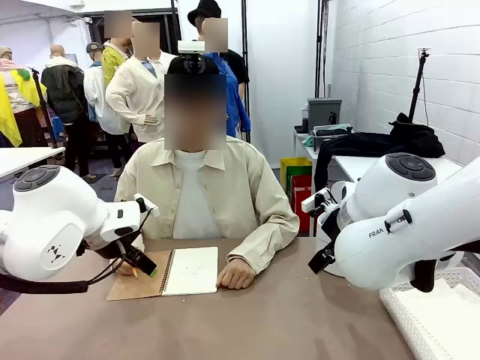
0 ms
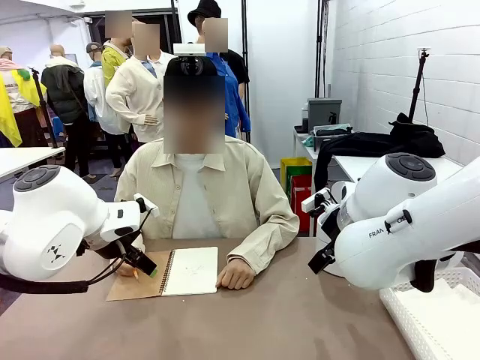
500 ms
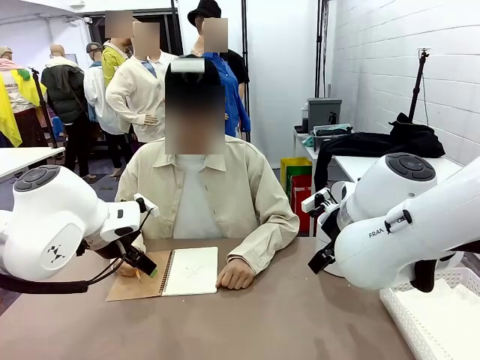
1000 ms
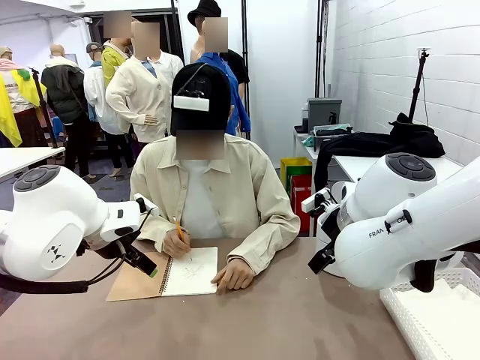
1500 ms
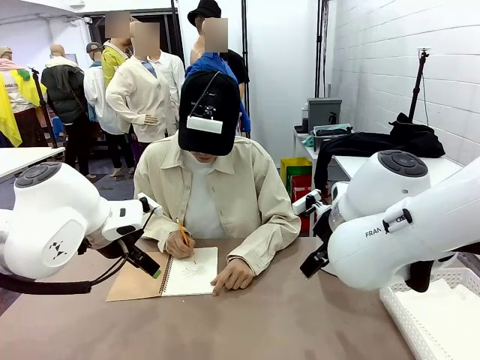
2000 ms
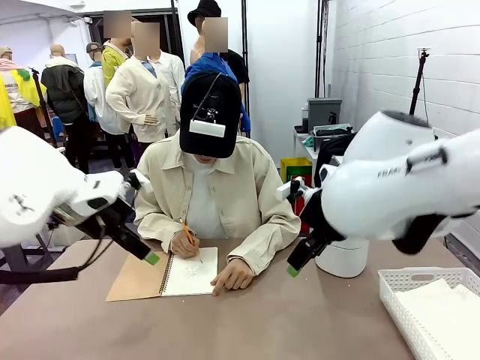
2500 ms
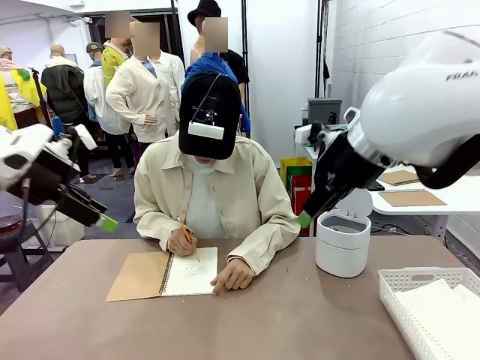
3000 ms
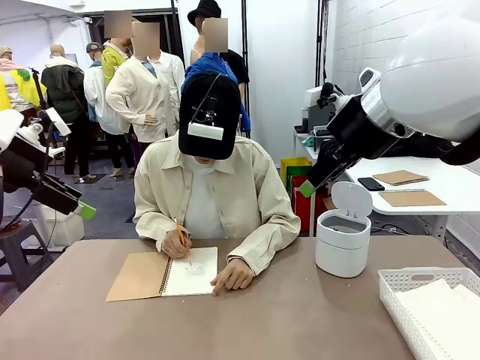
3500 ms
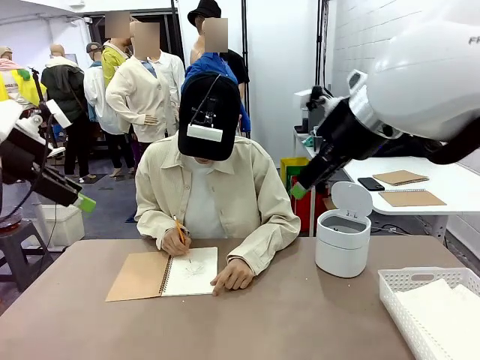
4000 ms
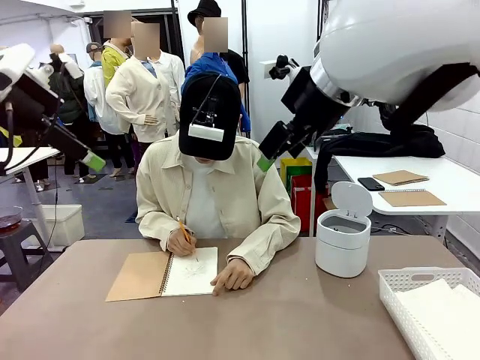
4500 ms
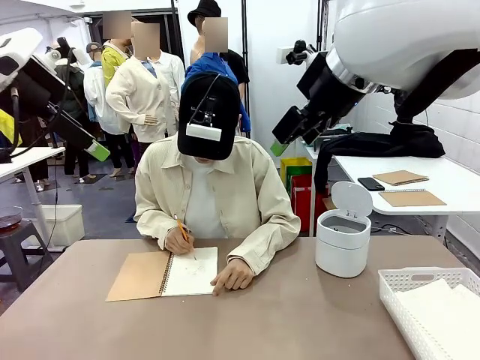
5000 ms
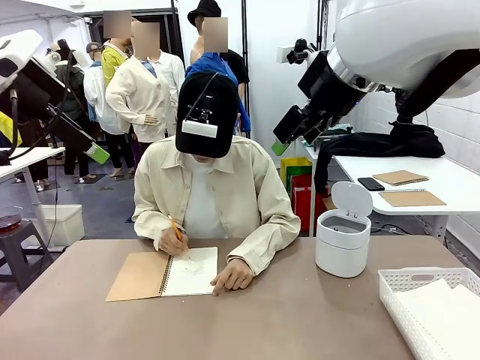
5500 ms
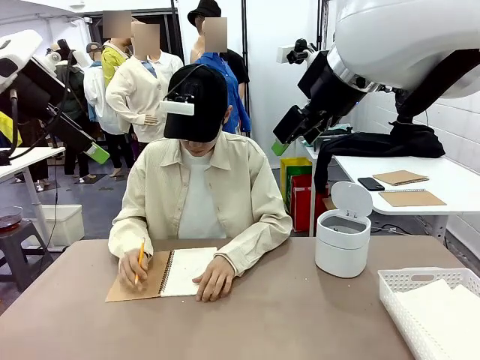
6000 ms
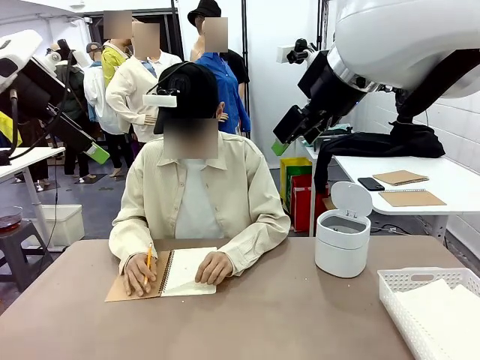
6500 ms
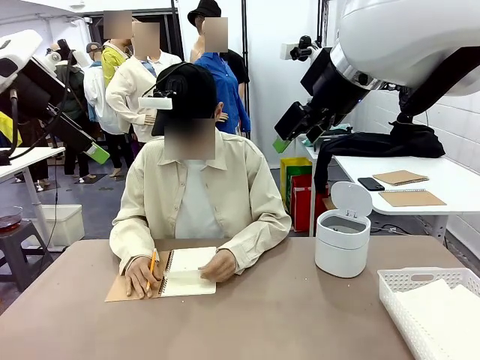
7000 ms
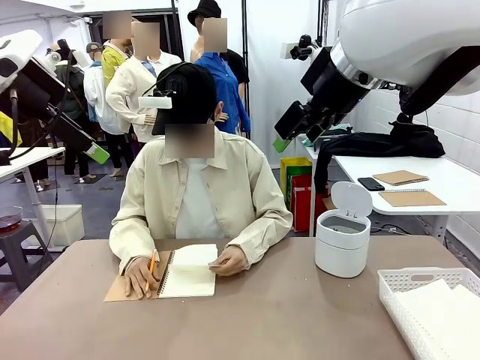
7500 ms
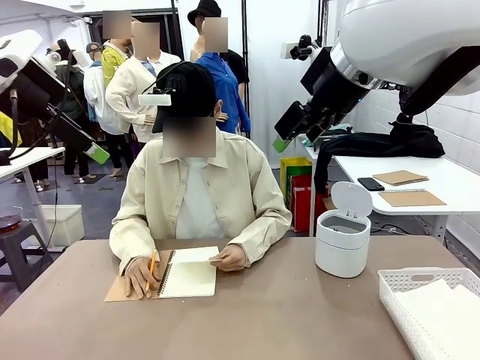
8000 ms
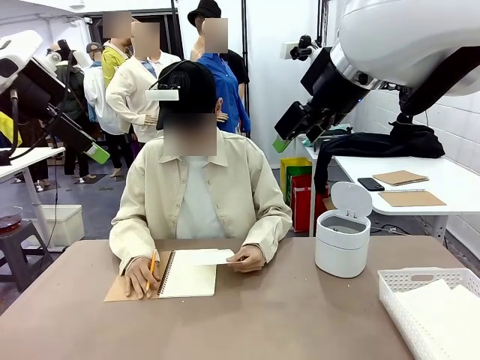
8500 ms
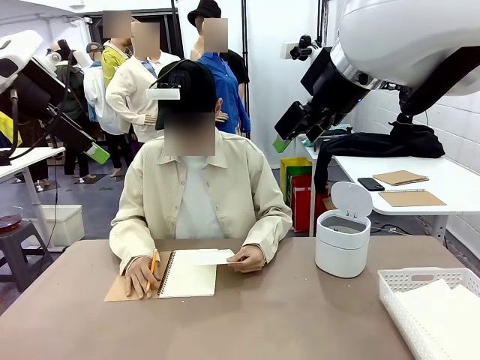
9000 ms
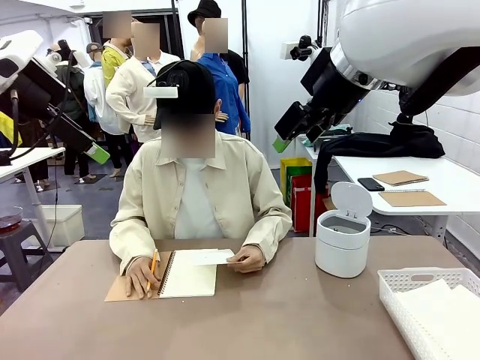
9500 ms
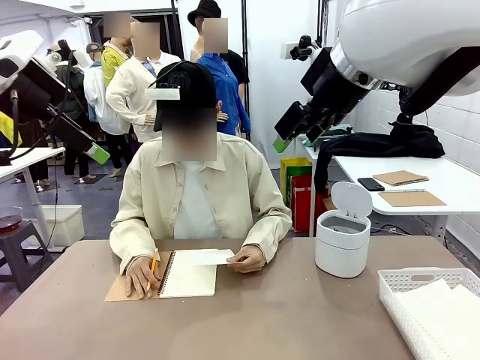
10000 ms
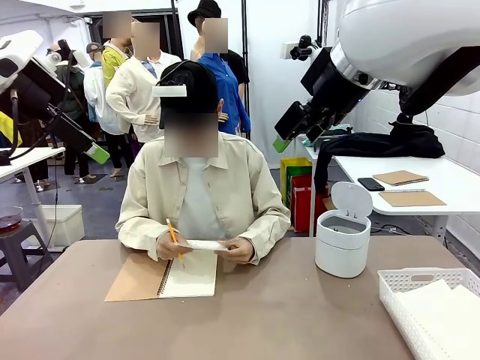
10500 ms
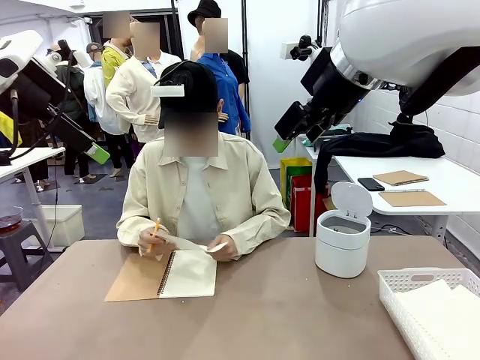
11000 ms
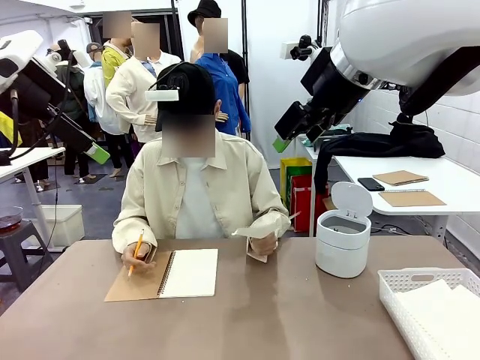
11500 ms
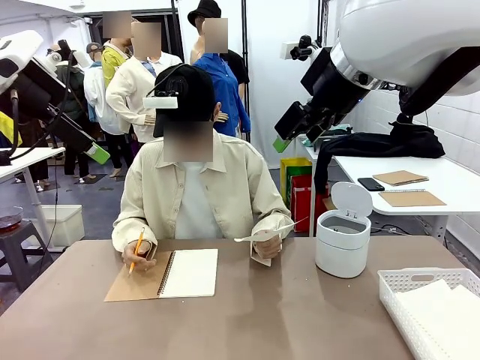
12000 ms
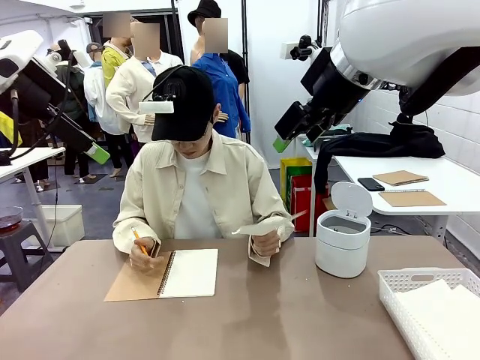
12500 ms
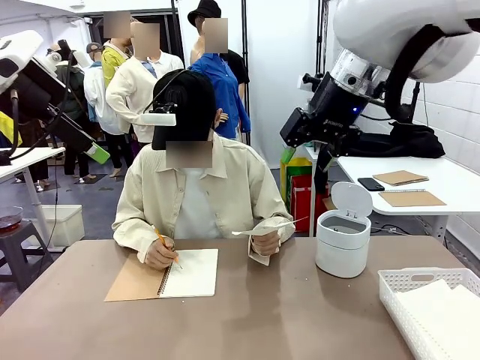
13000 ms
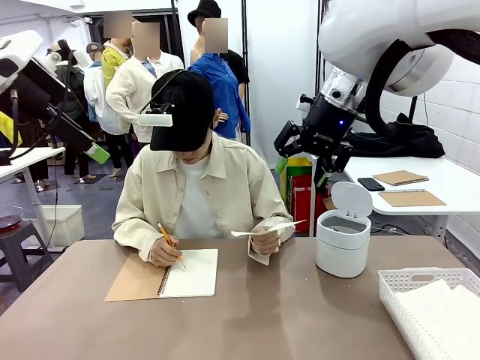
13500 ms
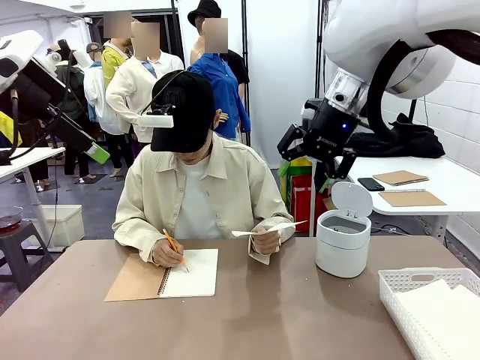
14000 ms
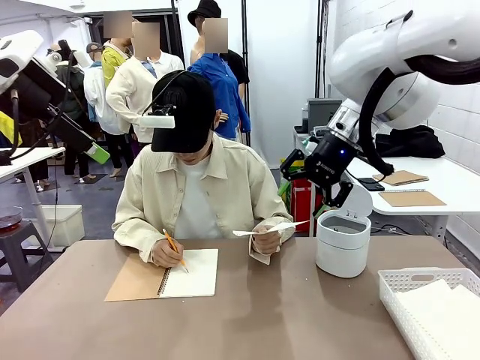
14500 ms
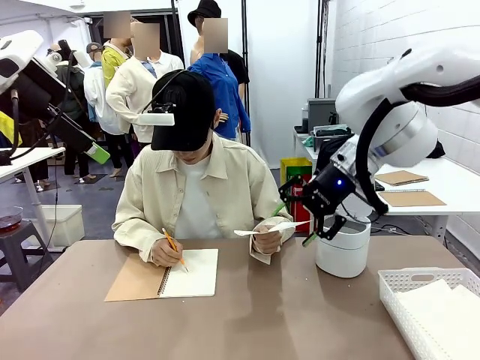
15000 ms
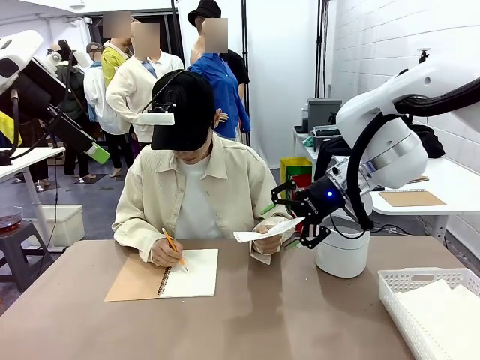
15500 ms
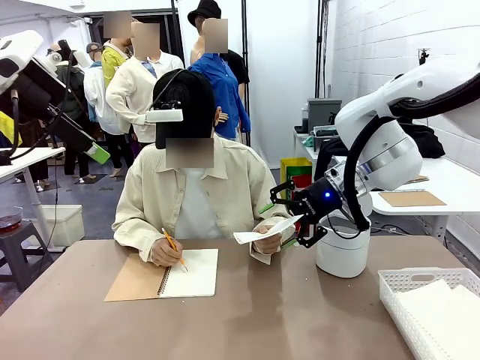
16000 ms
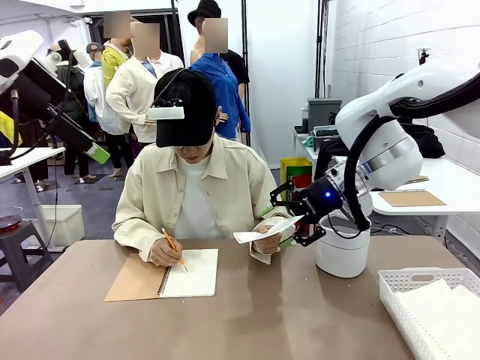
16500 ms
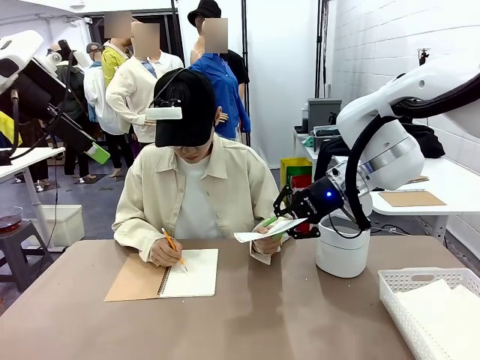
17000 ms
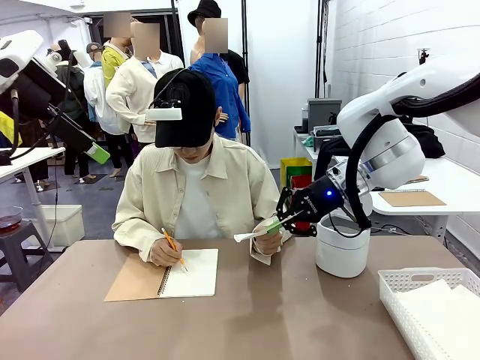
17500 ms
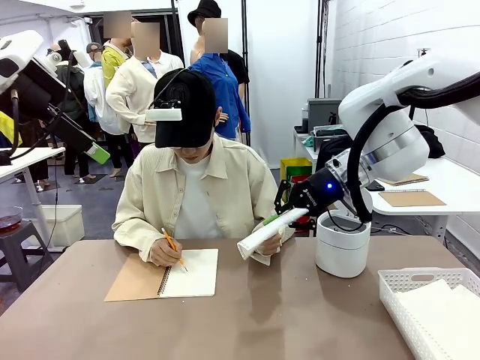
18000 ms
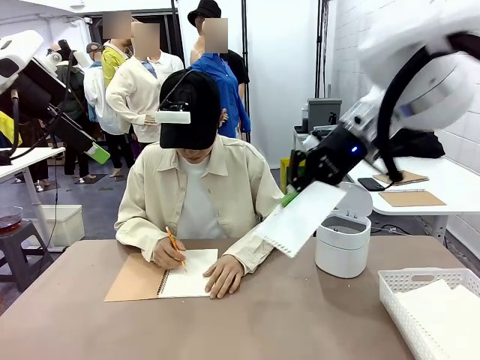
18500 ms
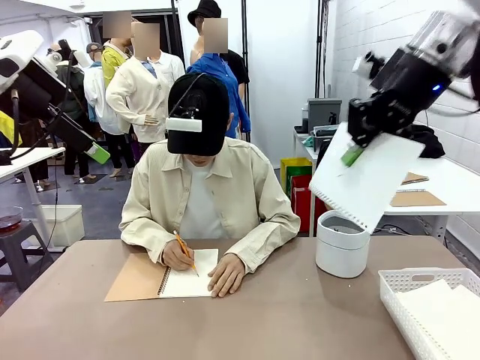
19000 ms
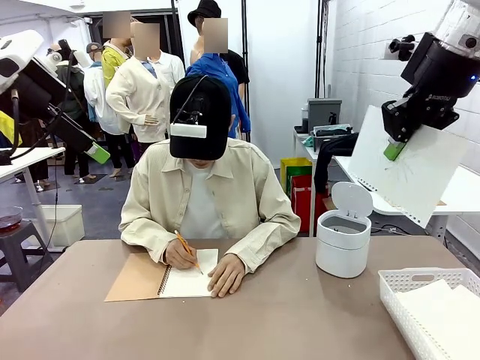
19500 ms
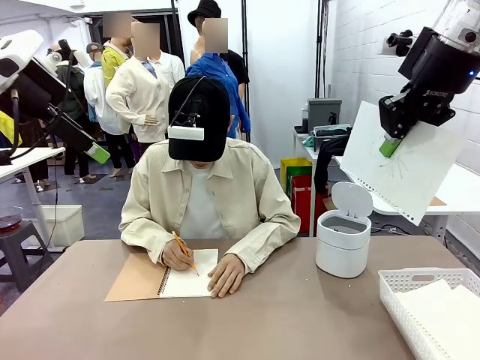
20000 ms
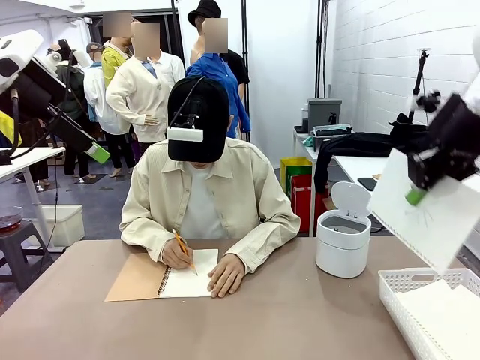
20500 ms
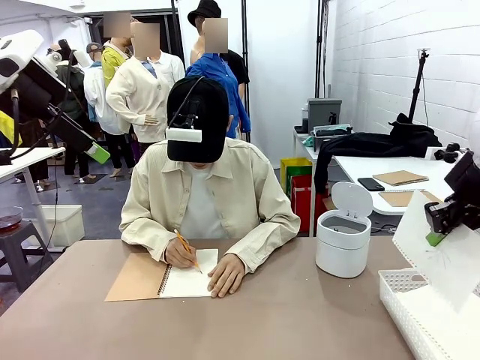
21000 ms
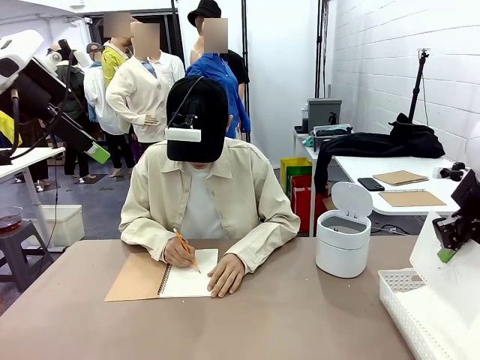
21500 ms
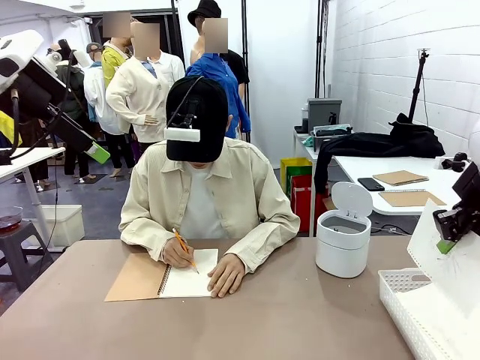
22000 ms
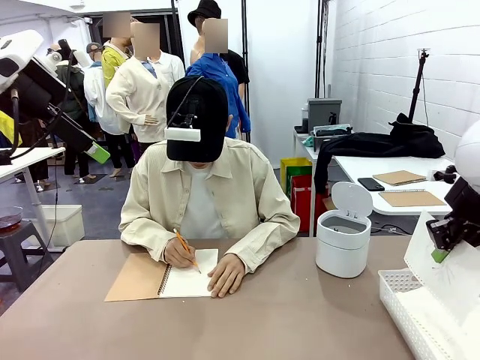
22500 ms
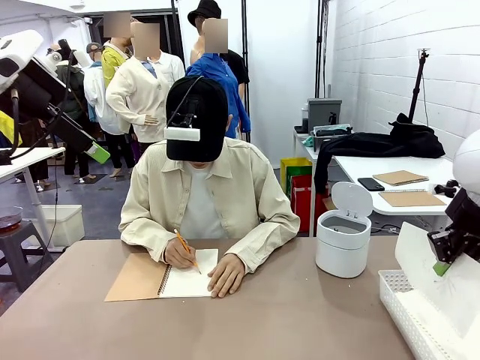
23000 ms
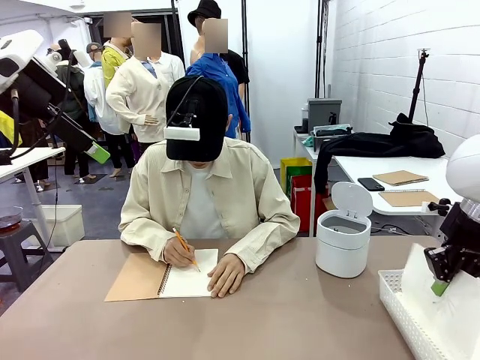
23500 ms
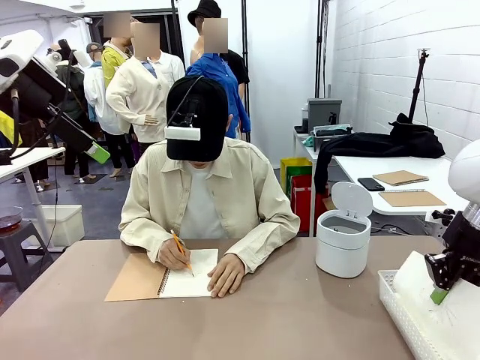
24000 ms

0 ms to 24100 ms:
Task: Sort the paper based on its condition.
Robot: If a person hands you a paper, place it in the Organizing basket , and if it's crumpled, put it in the Trash can.
Person: Tear out a page from the spiral notebook. Hand the torn page to the robot or crumple it and throw it to the center of the table. Tear out a page from the spiral notebook.
